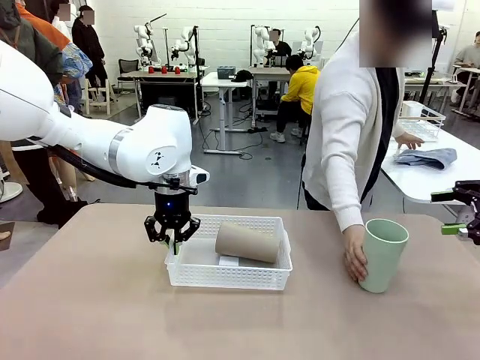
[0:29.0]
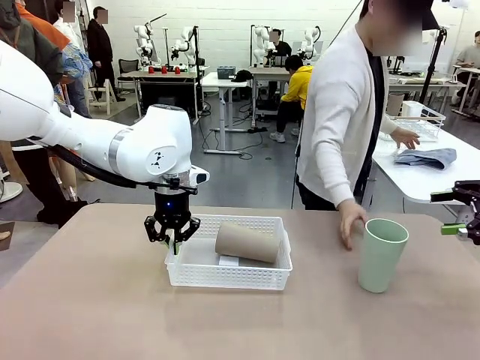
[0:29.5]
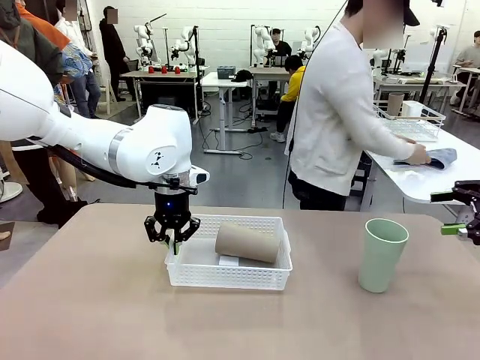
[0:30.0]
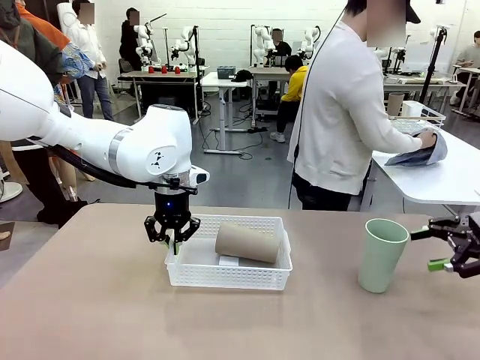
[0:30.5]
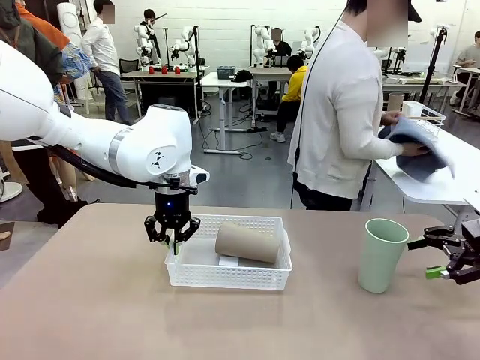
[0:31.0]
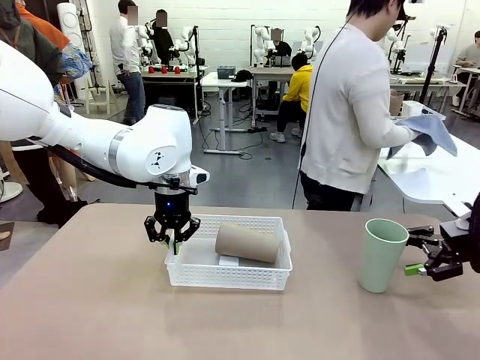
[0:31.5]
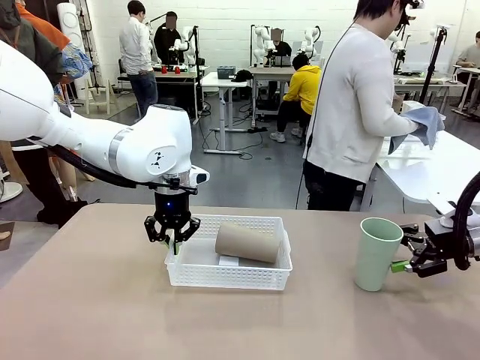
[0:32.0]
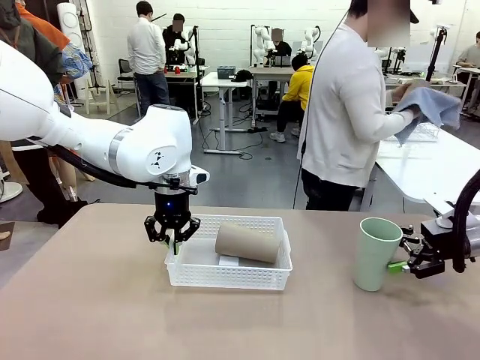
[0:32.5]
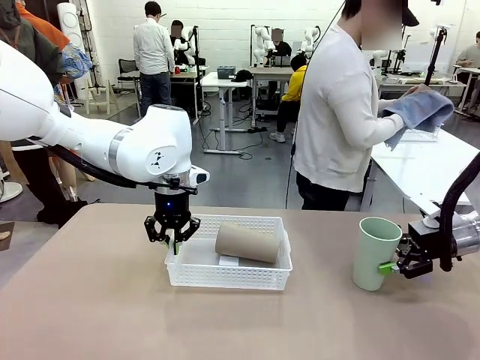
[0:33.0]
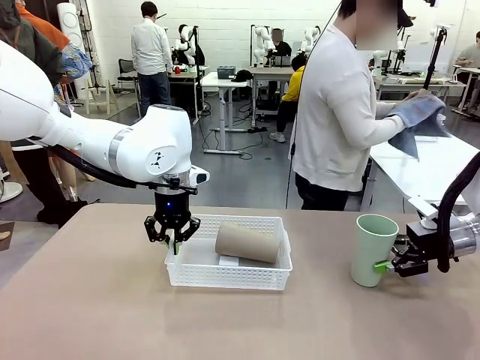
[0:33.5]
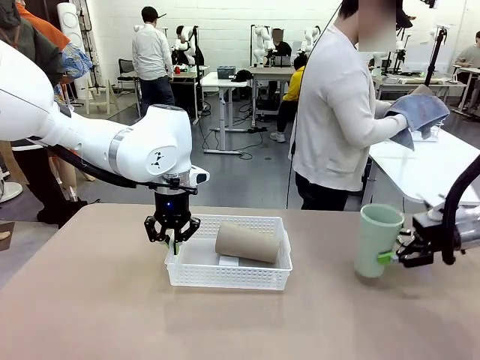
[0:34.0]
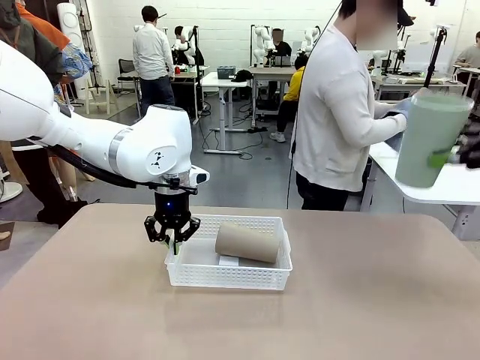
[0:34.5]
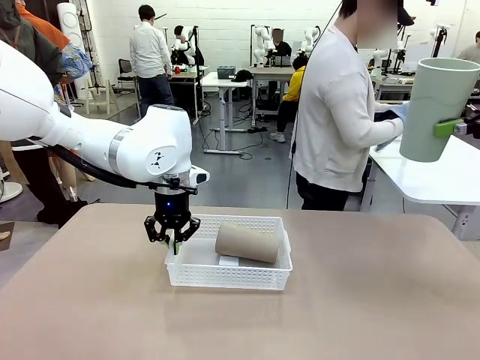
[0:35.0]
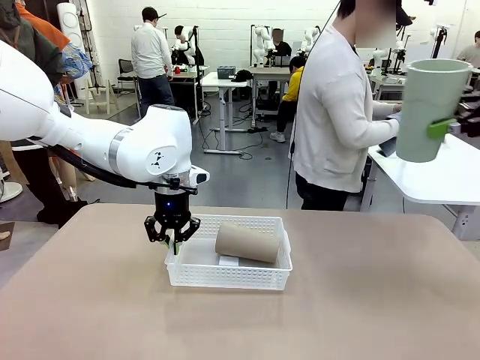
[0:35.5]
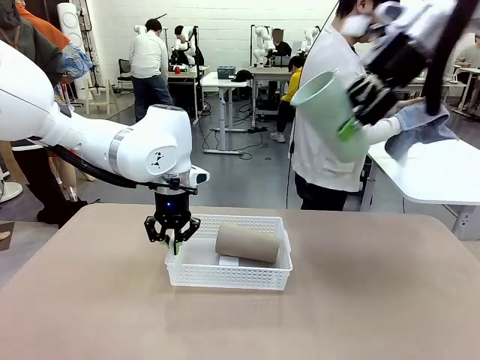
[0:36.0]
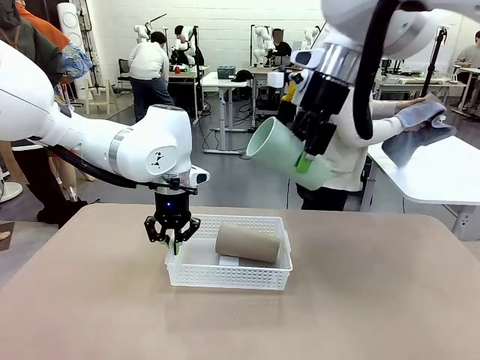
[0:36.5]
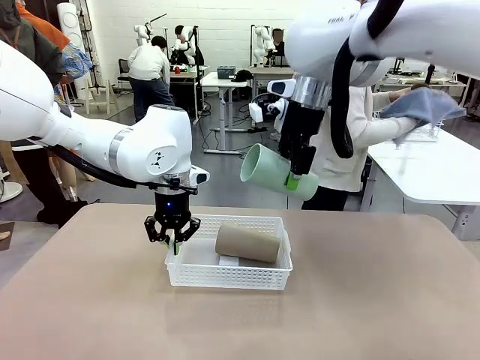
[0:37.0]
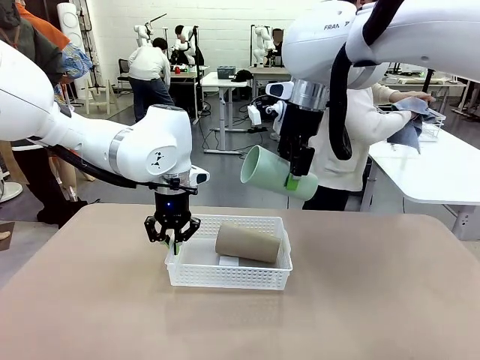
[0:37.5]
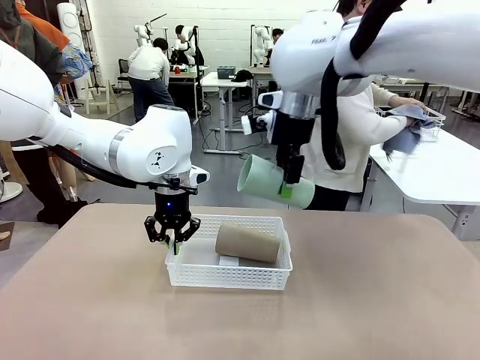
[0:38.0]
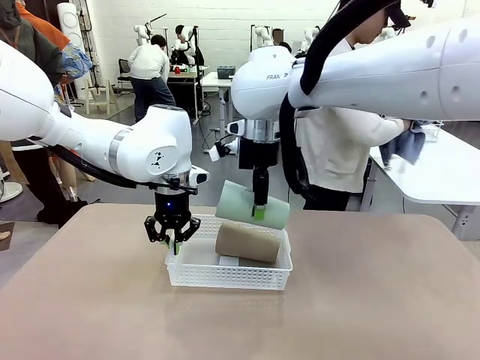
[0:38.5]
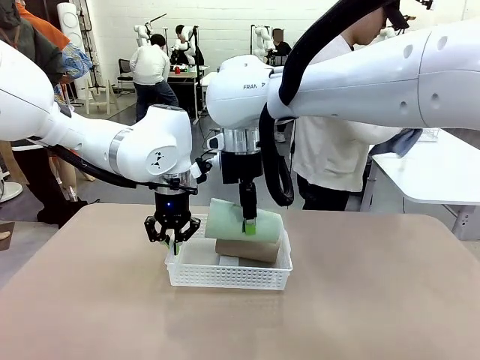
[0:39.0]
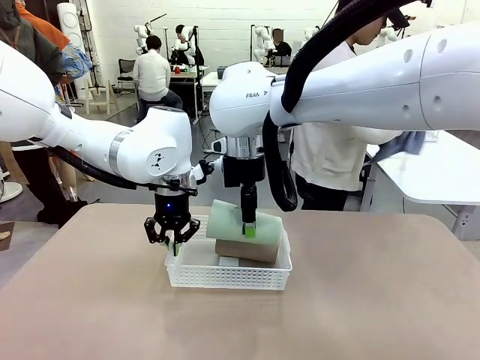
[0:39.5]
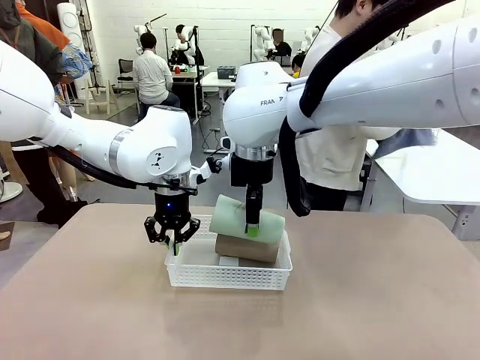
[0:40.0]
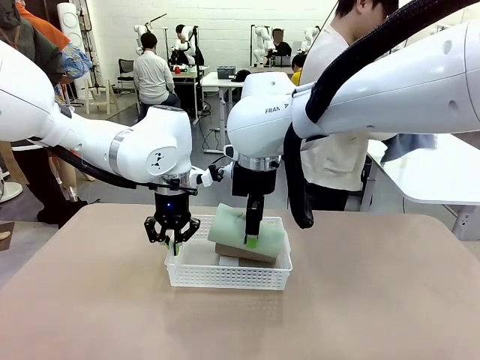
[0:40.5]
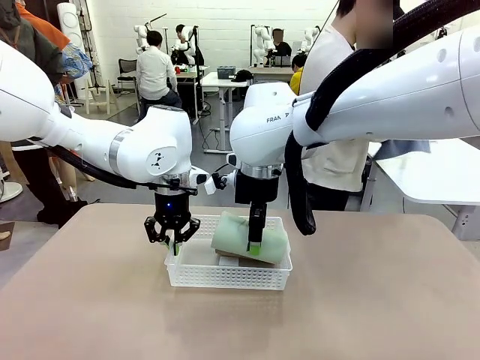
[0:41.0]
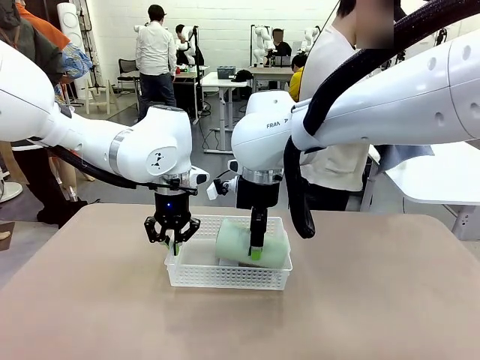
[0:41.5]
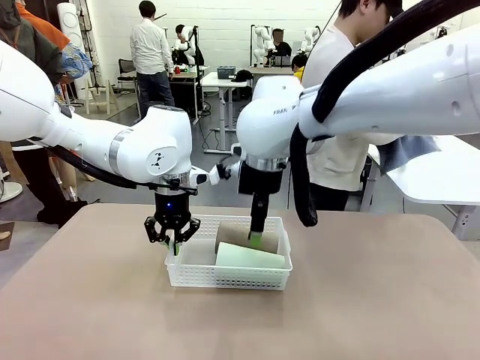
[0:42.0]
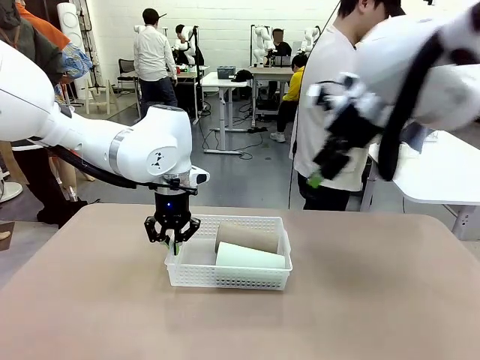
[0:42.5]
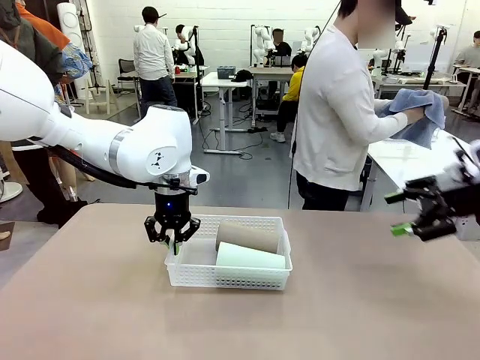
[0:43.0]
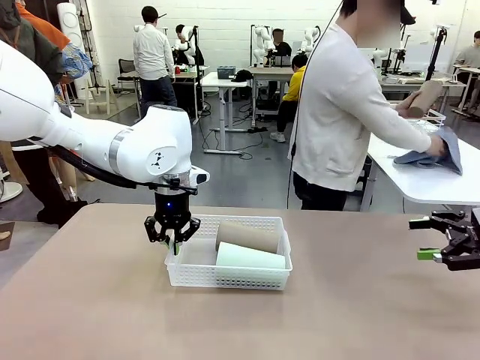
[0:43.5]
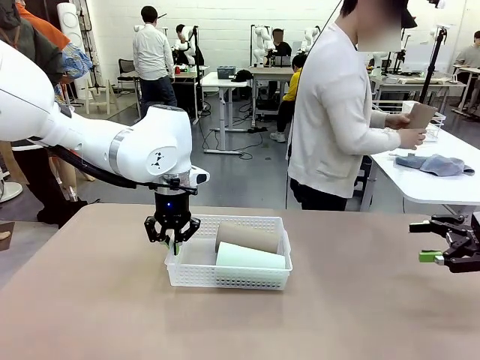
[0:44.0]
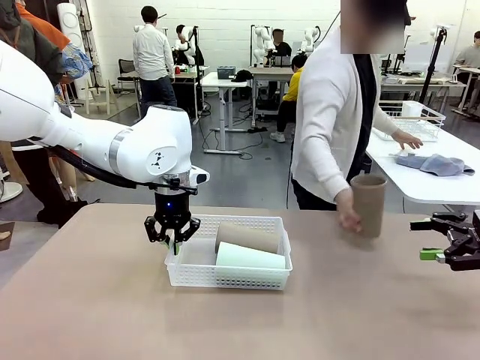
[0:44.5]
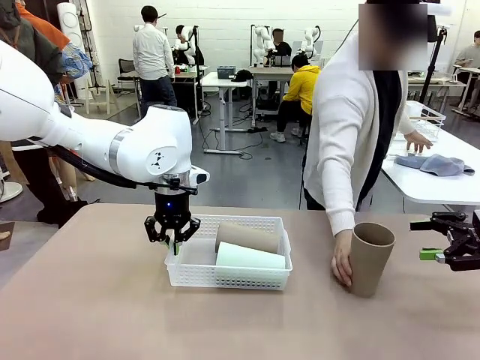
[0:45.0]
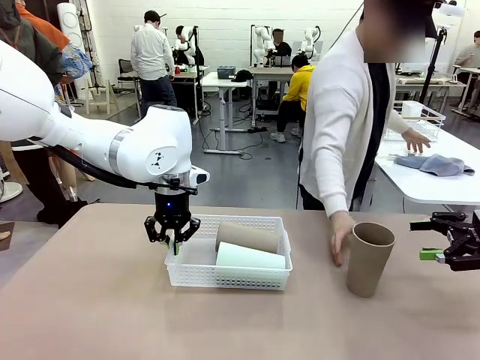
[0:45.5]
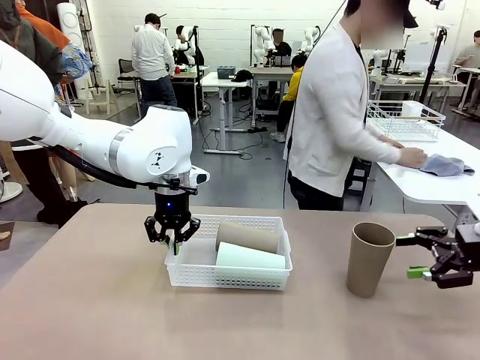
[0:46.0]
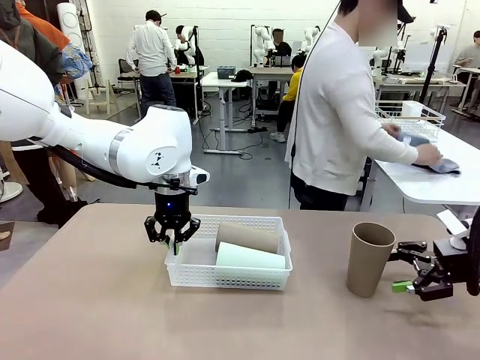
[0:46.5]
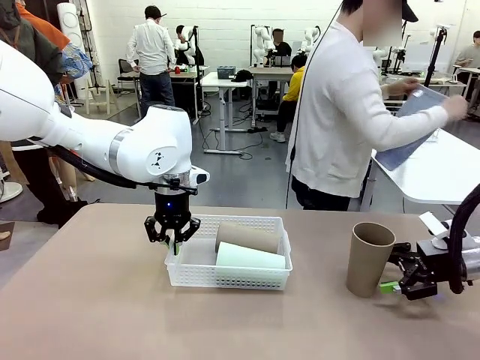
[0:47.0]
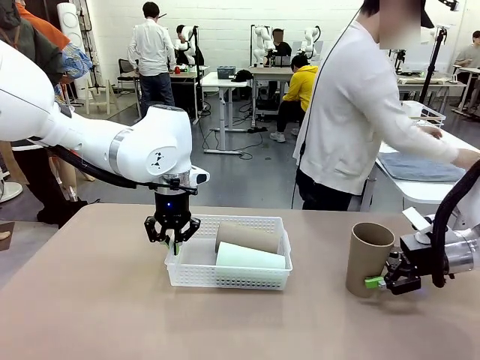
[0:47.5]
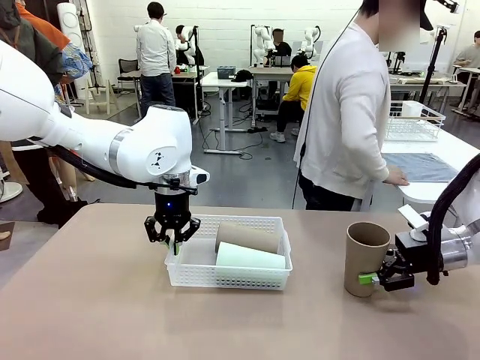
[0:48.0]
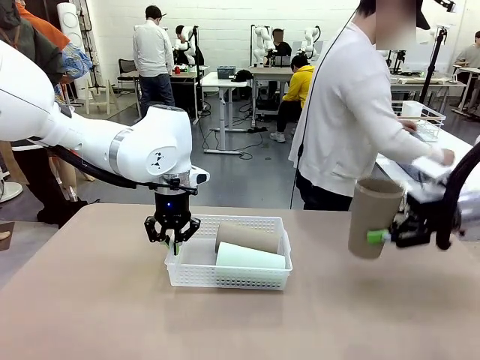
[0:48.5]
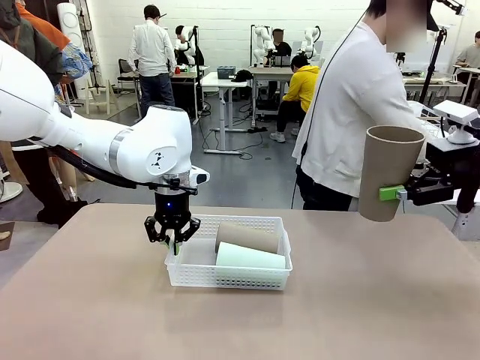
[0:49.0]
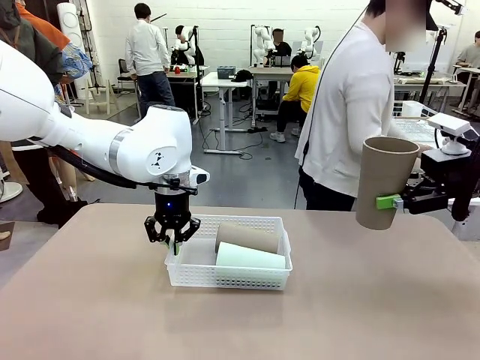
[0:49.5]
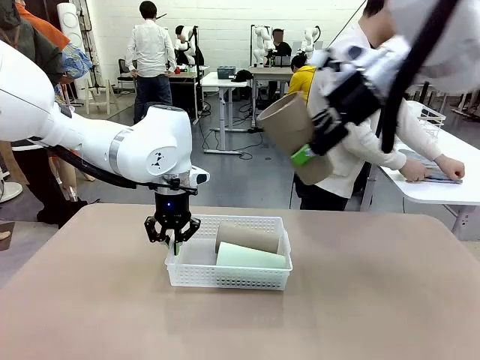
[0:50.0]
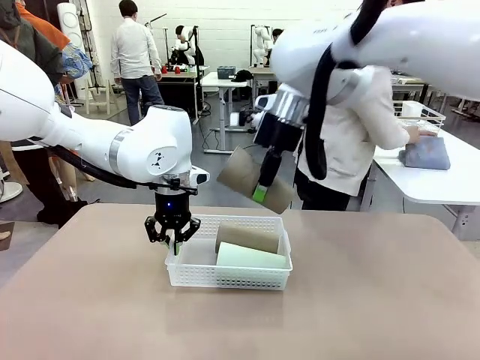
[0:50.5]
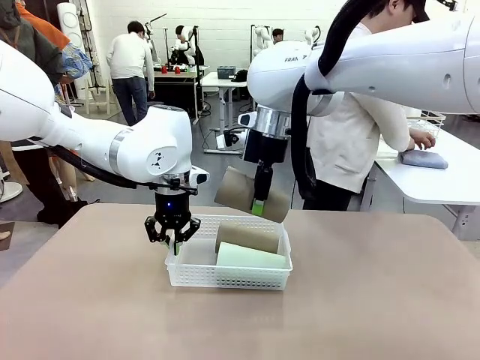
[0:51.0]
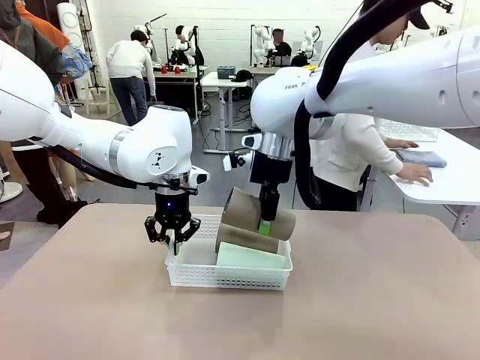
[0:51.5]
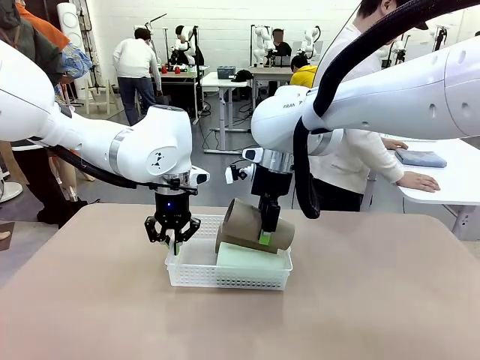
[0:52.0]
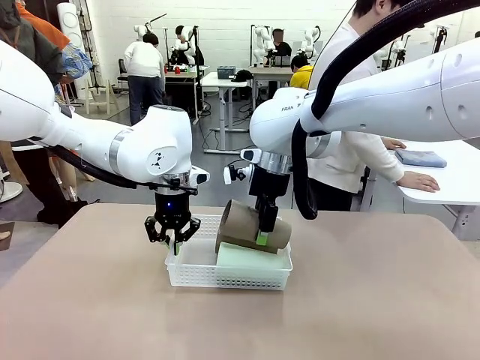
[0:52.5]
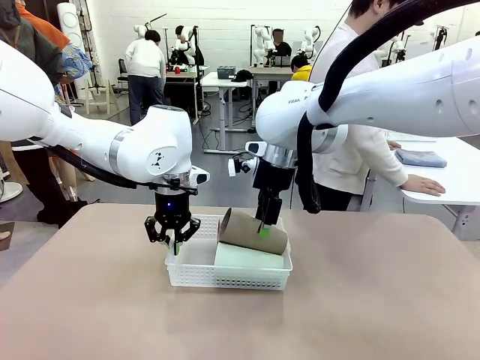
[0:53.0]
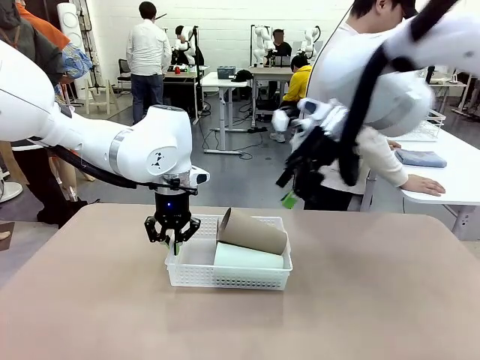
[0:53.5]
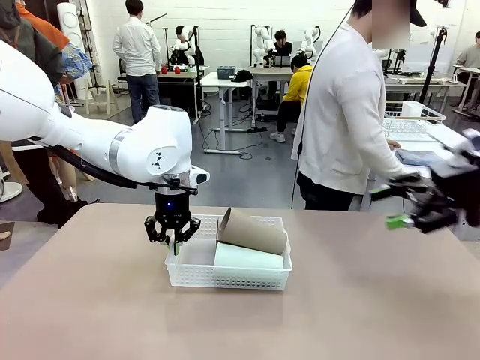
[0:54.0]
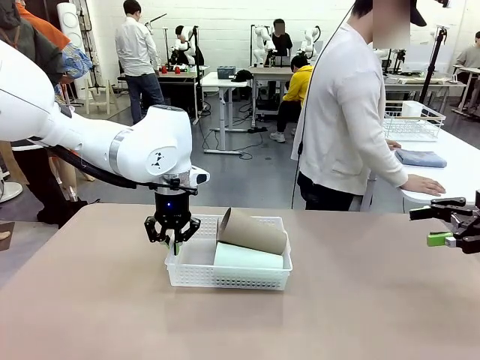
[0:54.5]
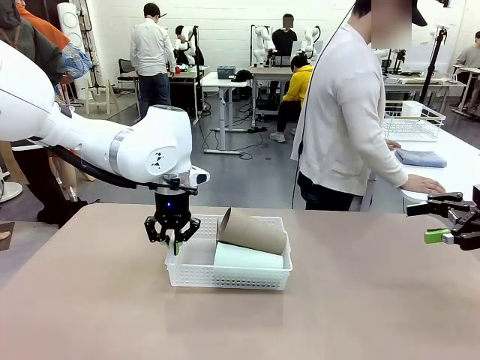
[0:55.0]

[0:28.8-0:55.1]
Task: Clean and organize the cups into the basket.
Robot: Pick up the Reusable plastic cup from the right side of the table and stack it inside the Organizing basket in the center of the table.
